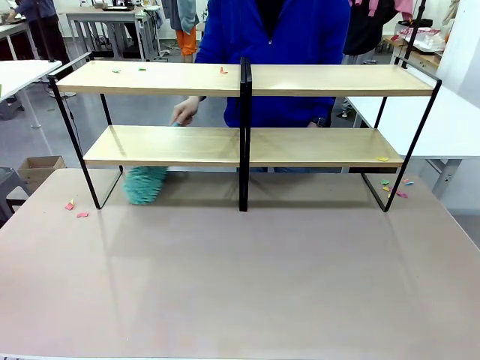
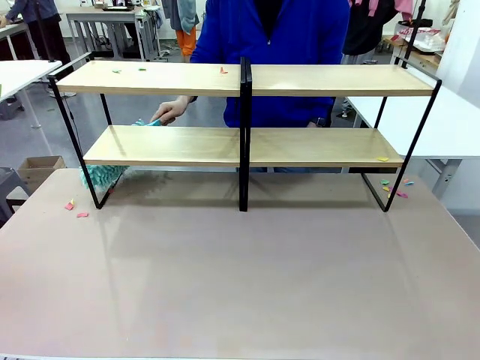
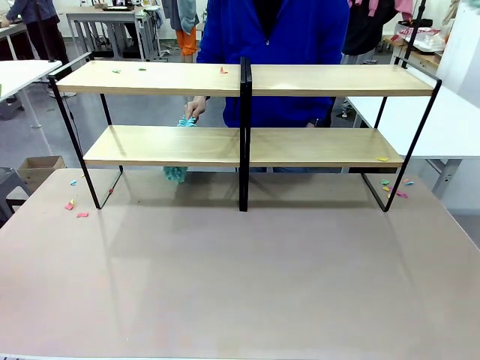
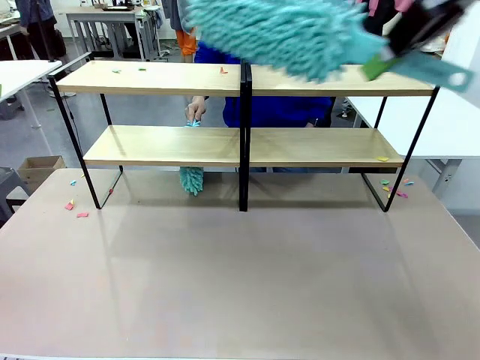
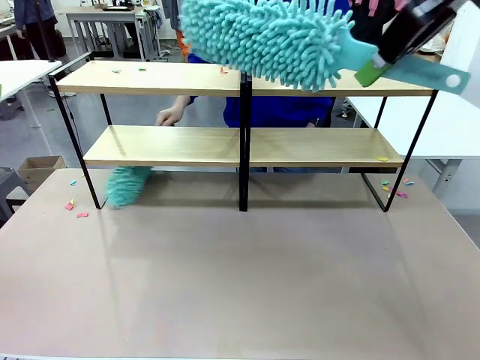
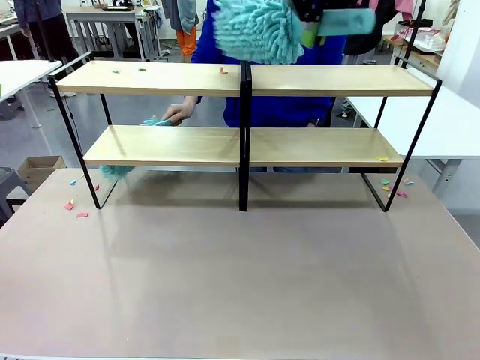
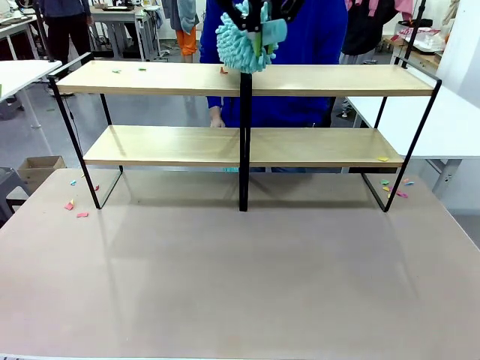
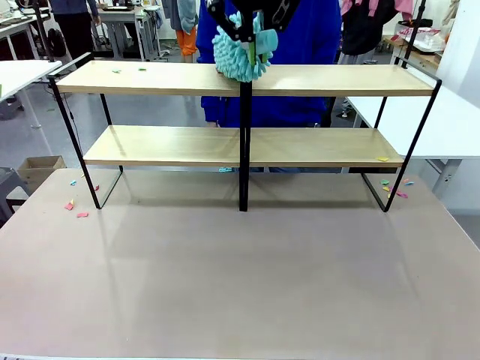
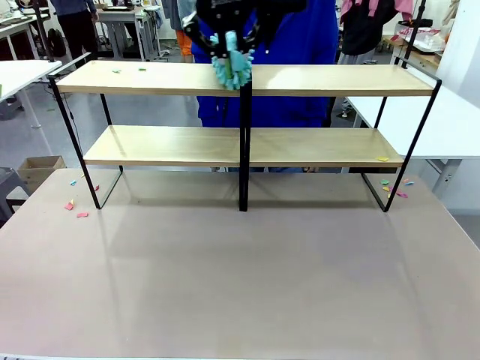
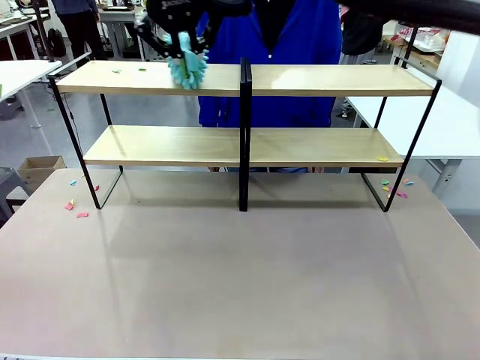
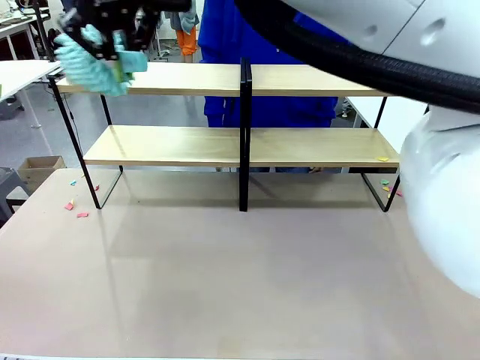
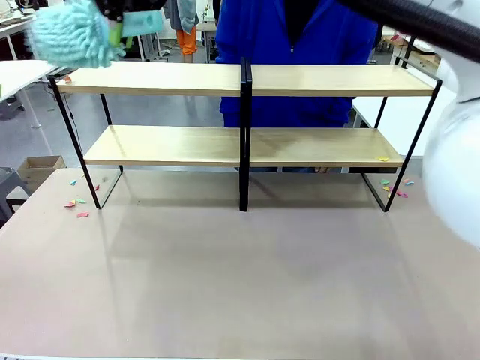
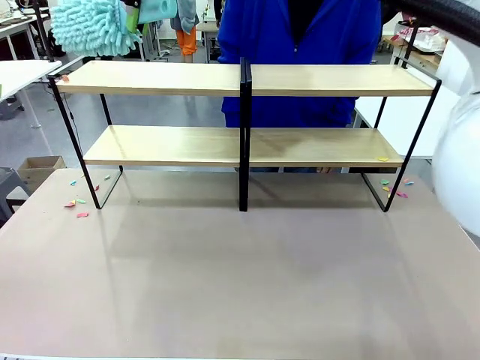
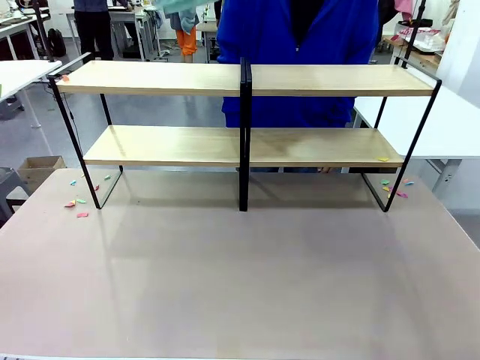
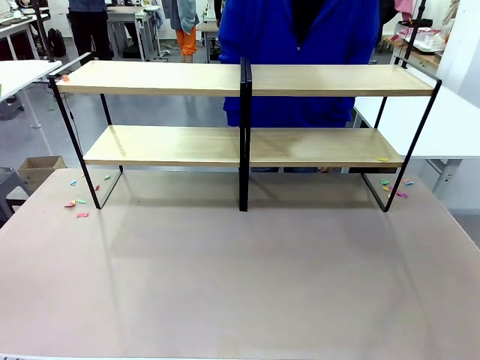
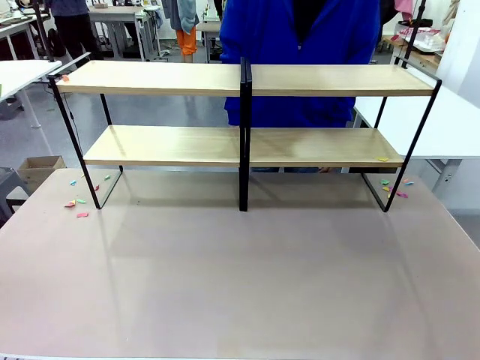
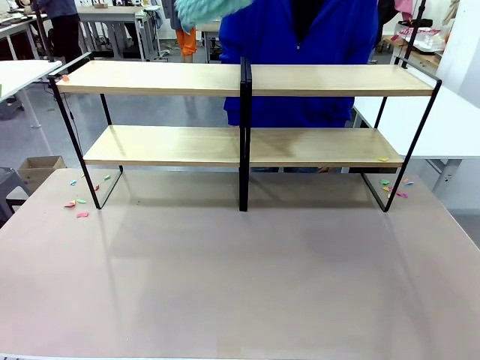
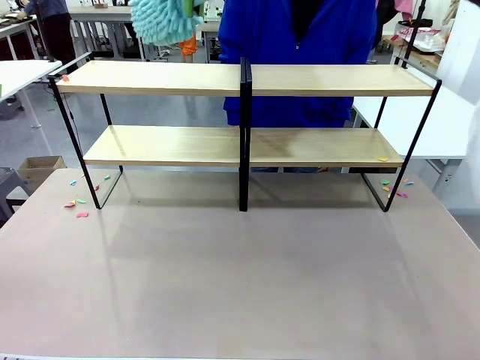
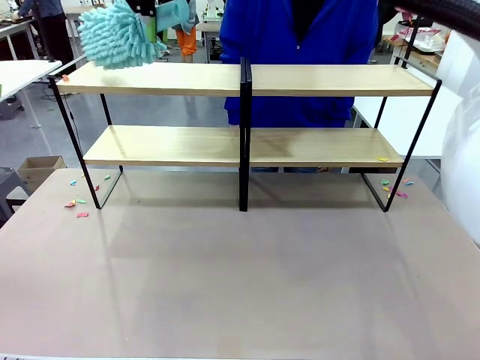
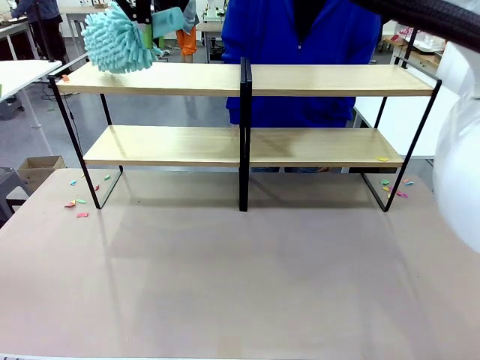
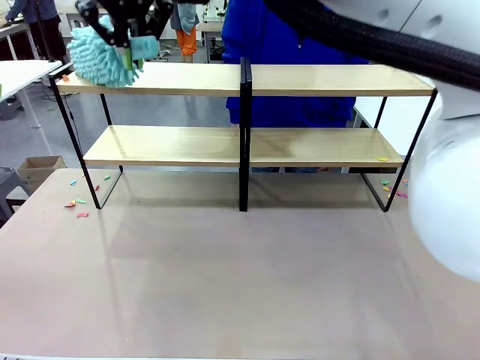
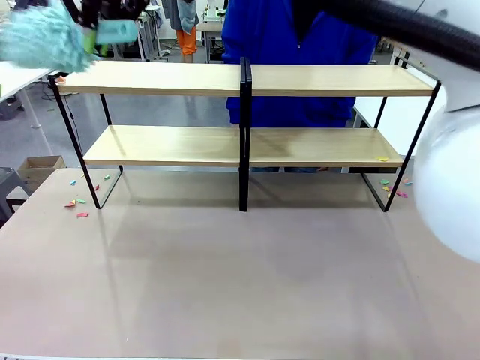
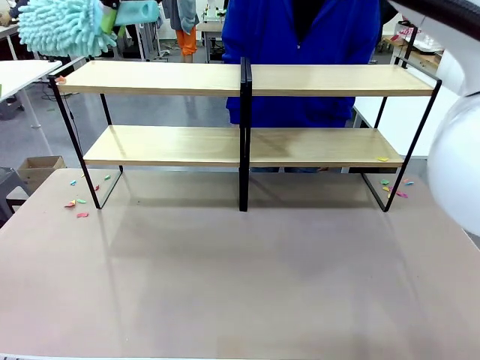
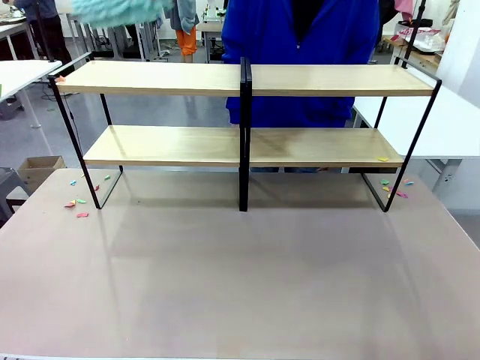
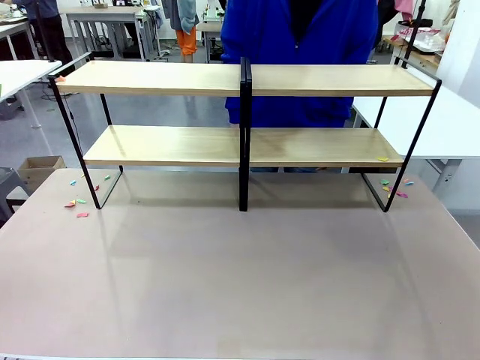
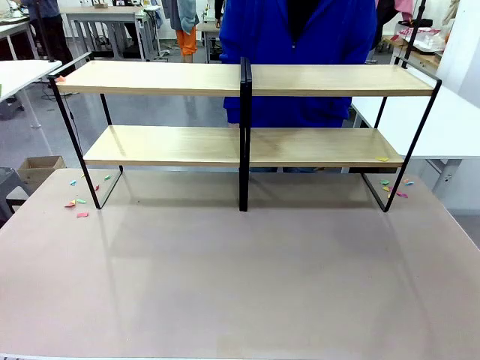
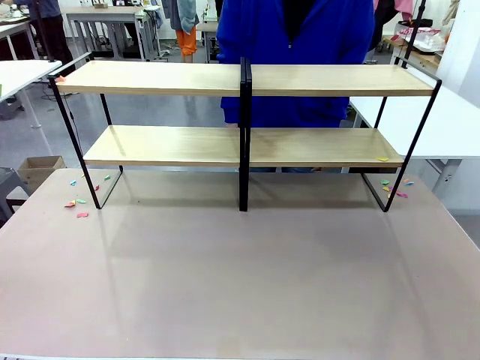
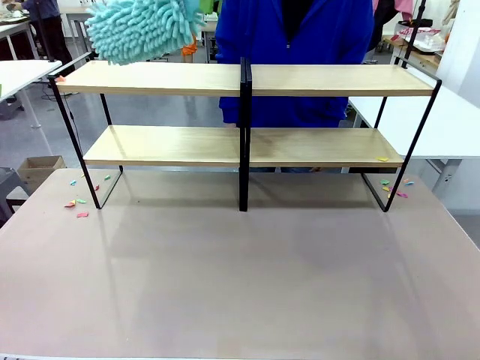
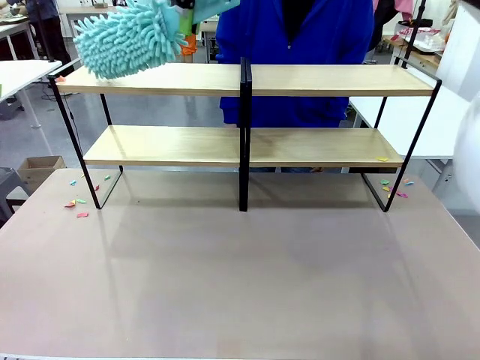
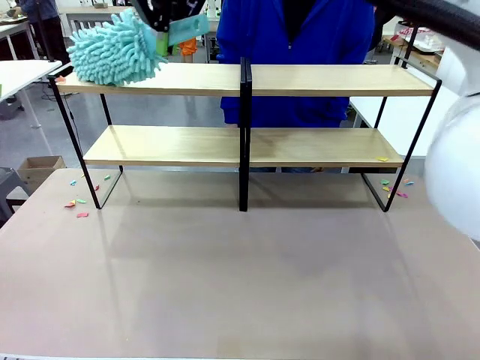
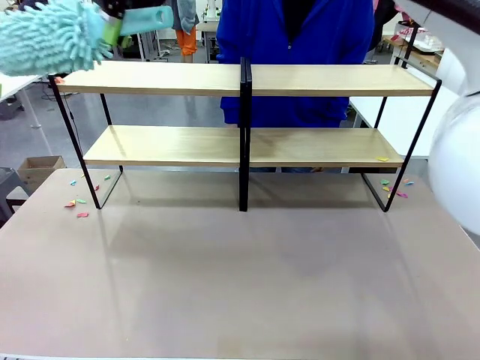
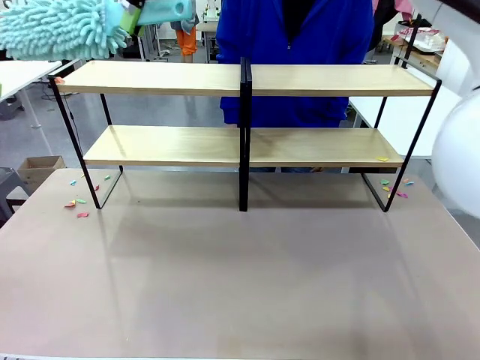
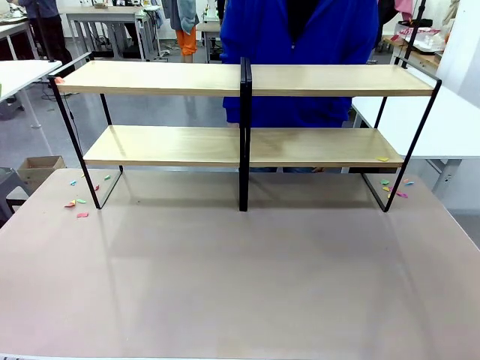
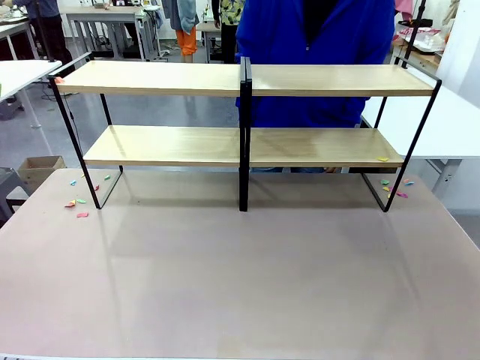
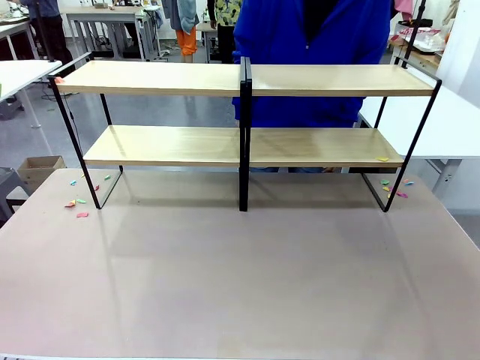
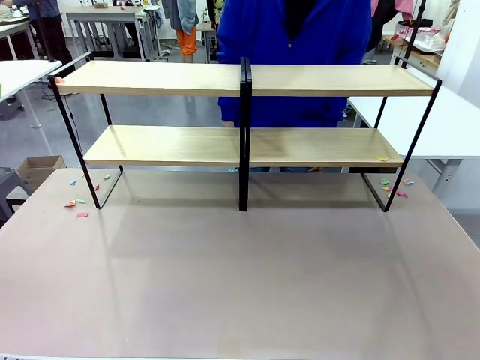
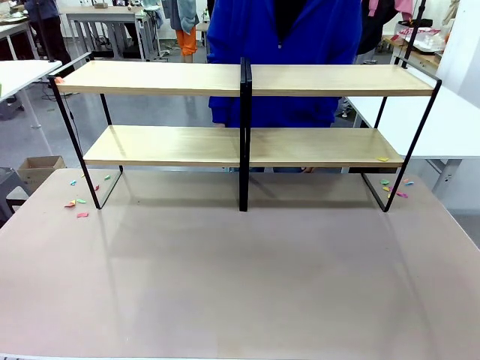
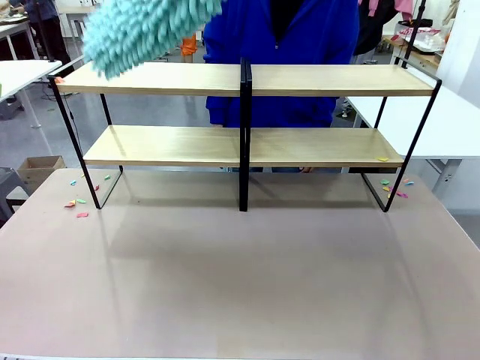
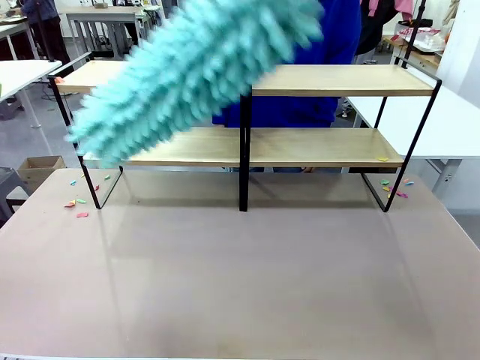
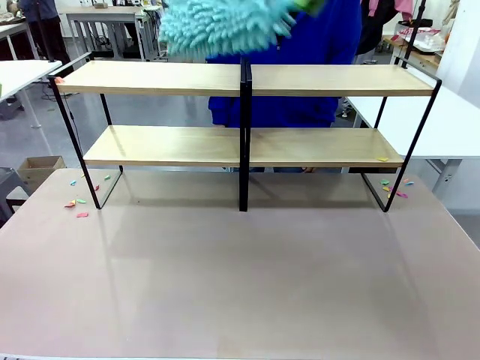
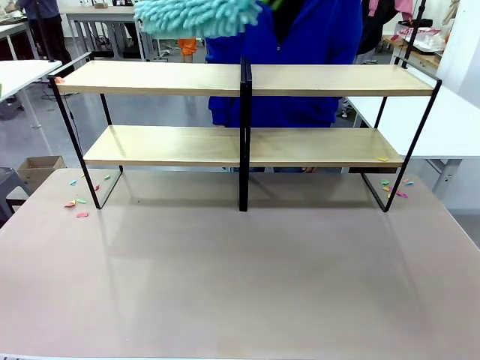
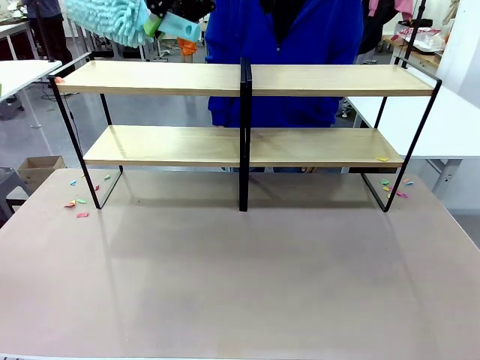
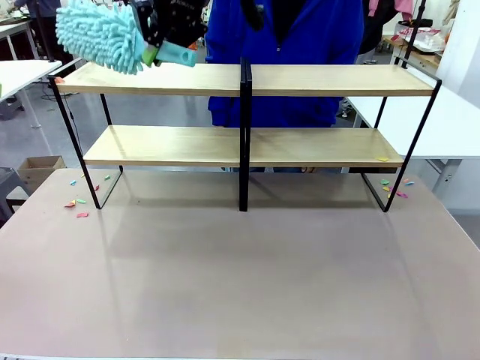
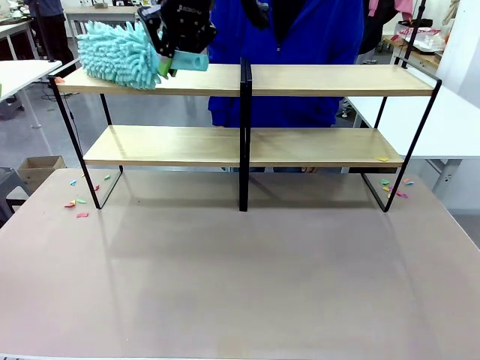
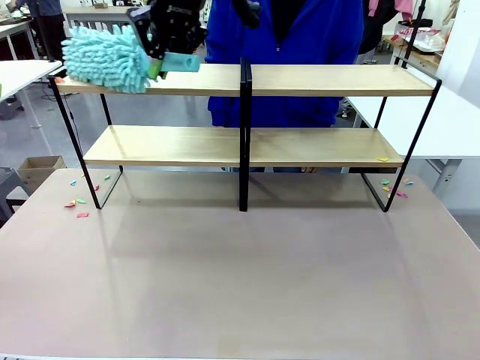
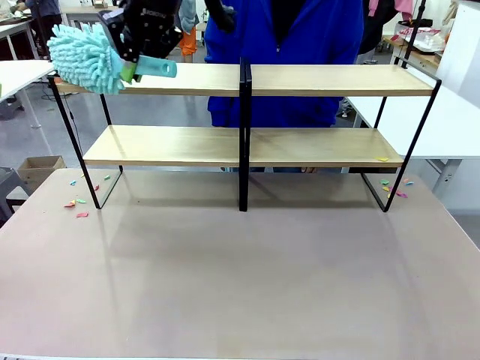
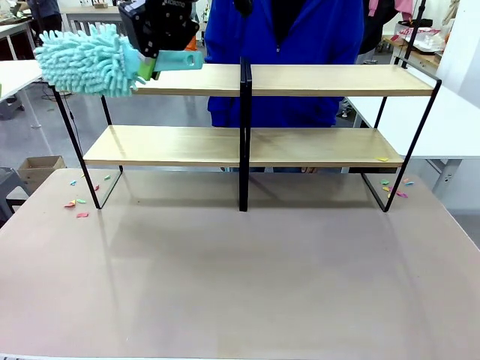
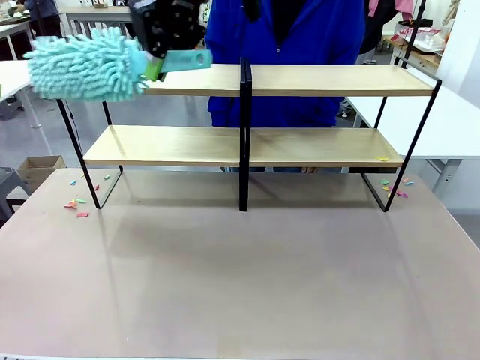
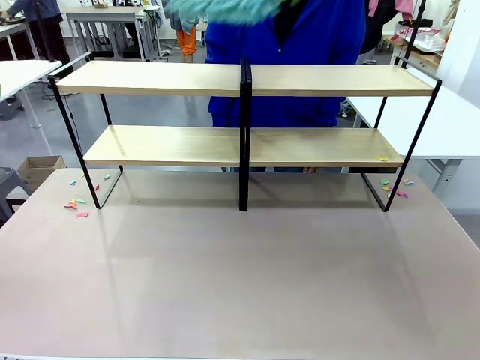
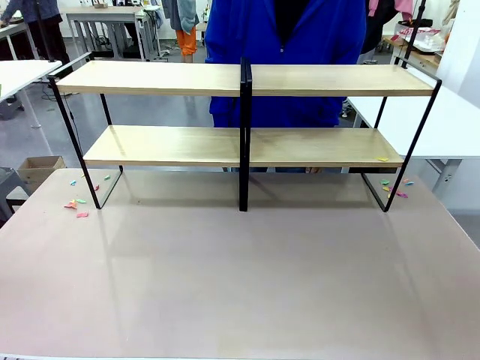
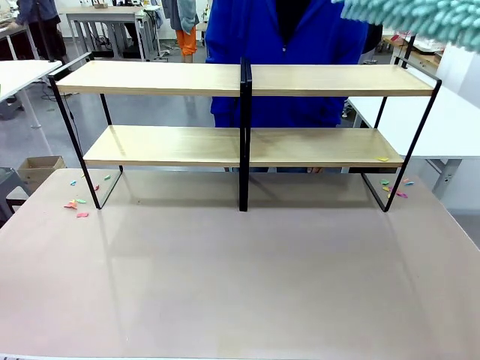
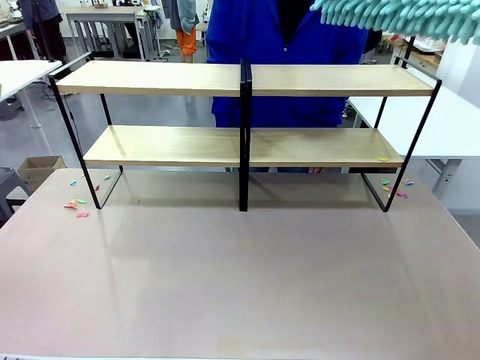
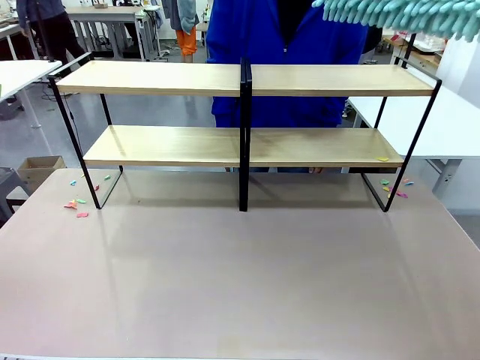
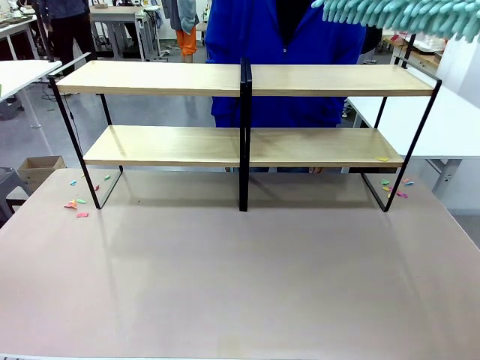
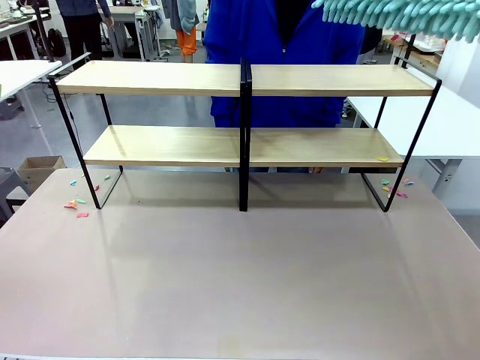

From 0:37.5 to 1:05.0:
Task: Clean the shelves.
Robot: Clean another randomly selected level of the Shelf with the Duster.
